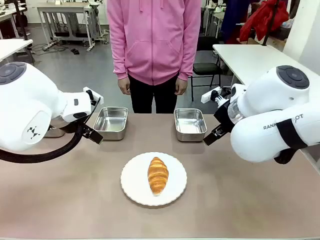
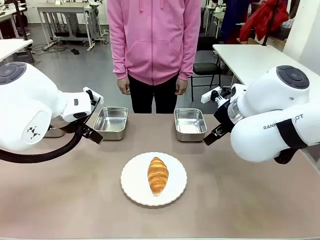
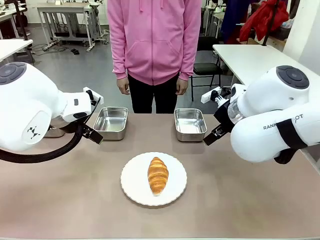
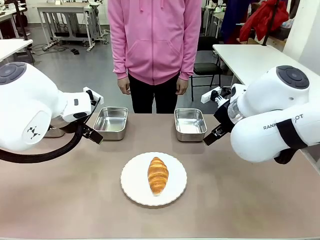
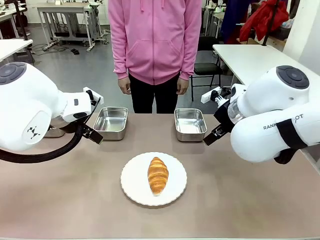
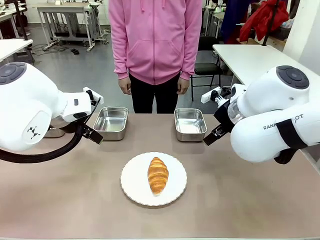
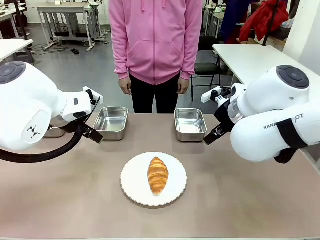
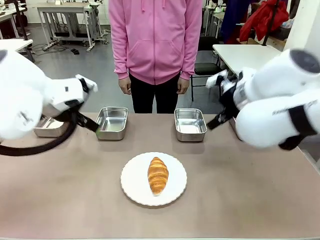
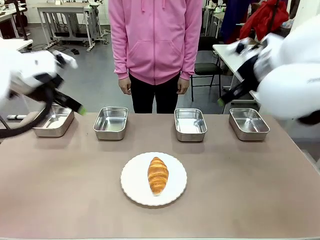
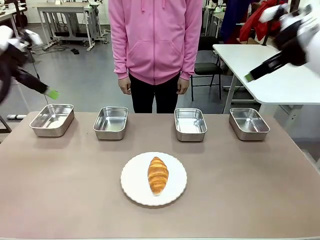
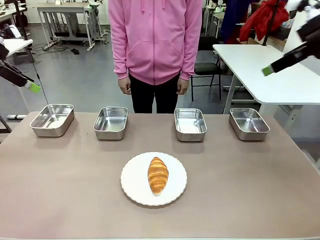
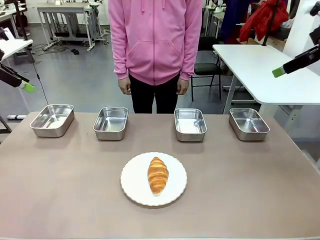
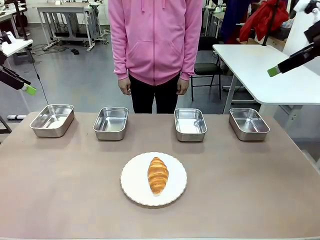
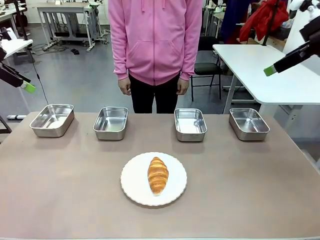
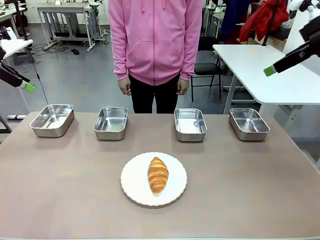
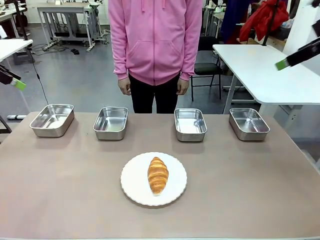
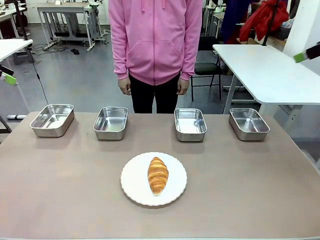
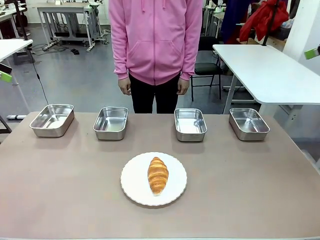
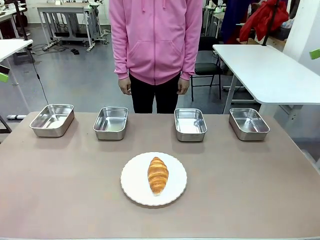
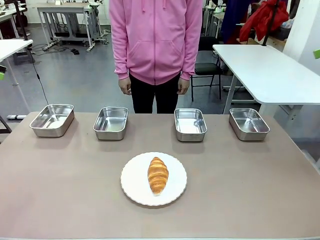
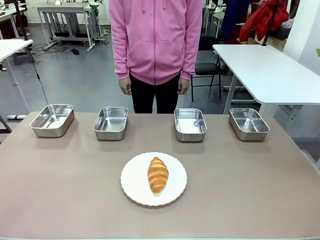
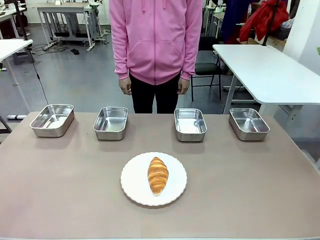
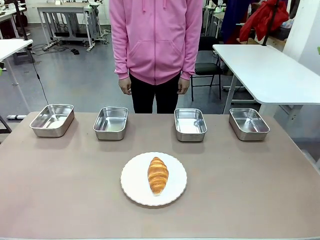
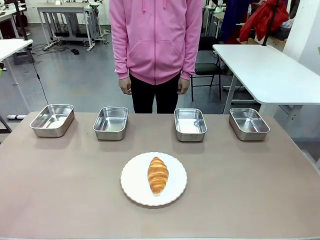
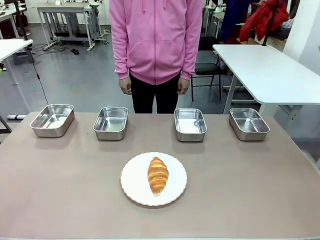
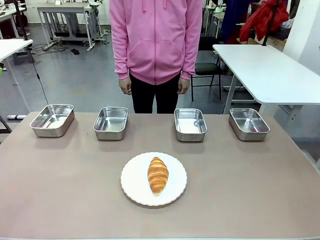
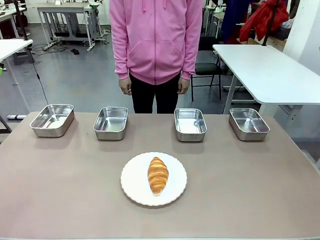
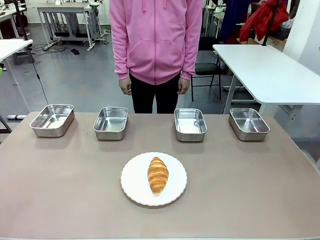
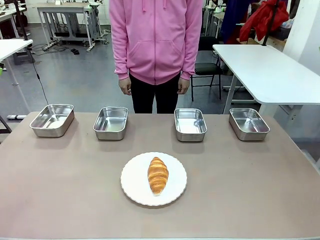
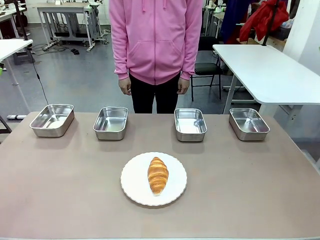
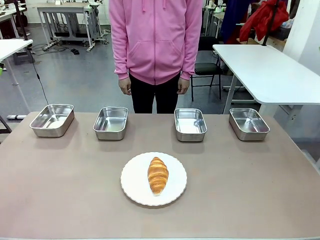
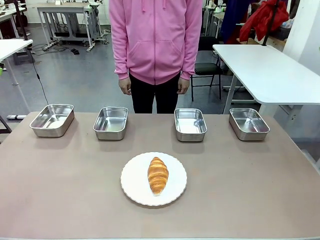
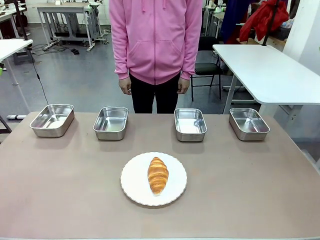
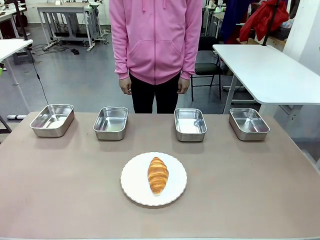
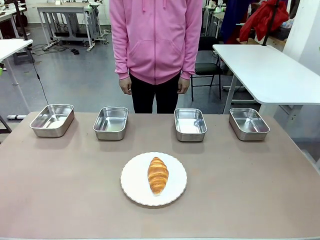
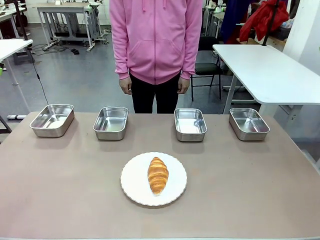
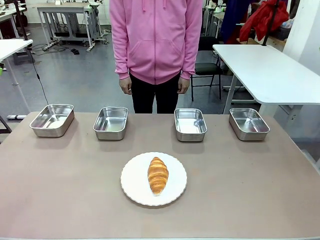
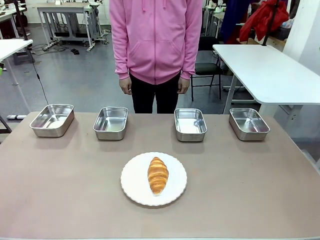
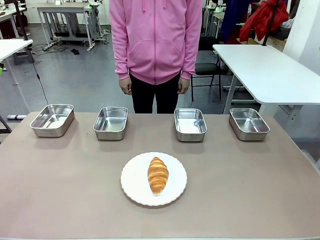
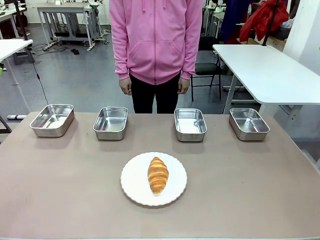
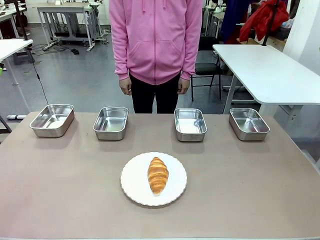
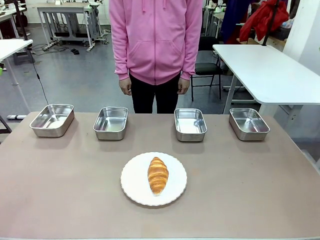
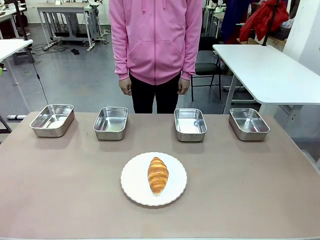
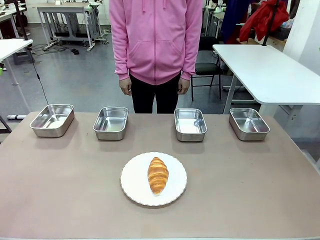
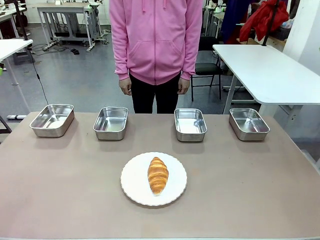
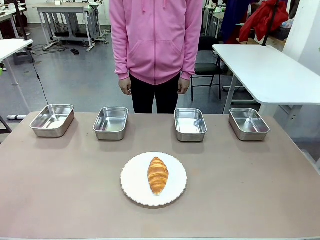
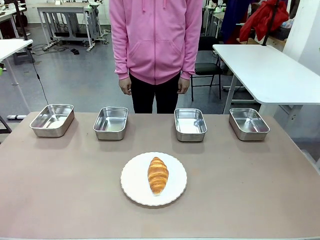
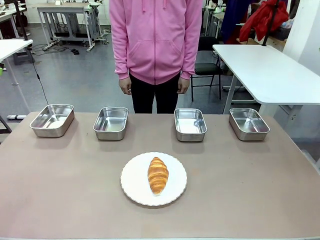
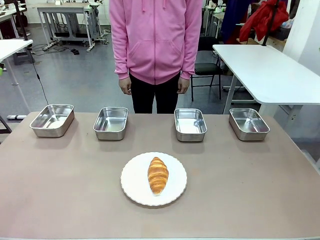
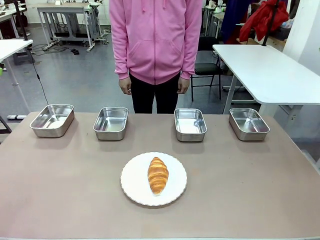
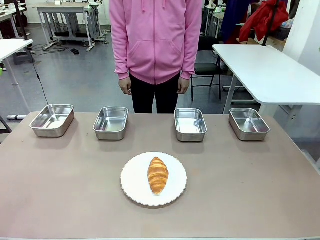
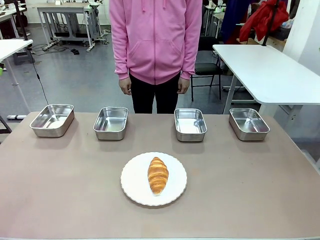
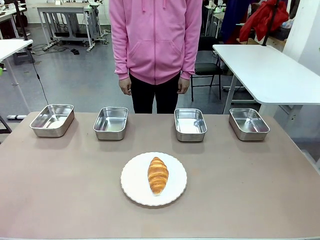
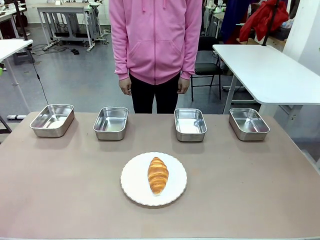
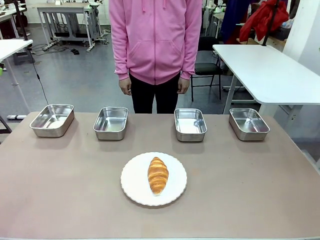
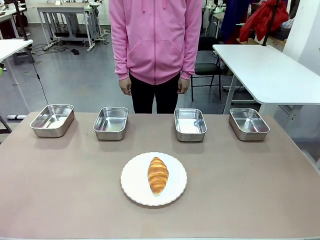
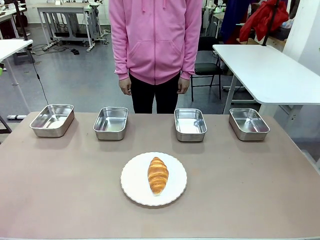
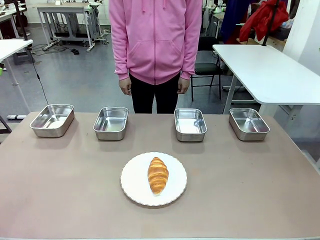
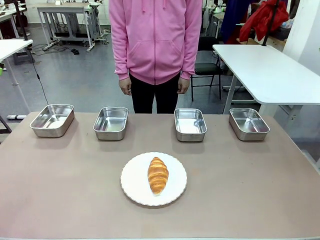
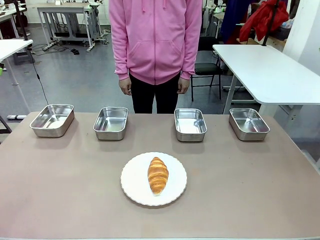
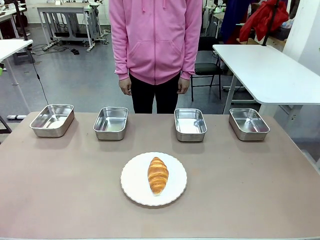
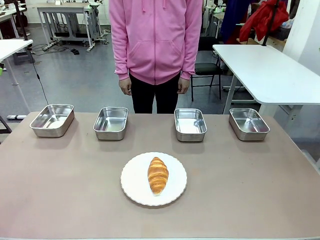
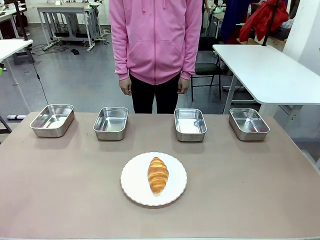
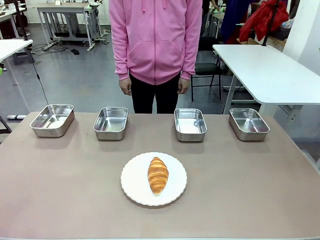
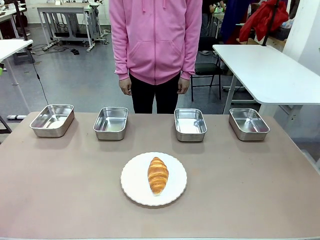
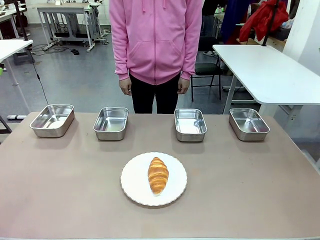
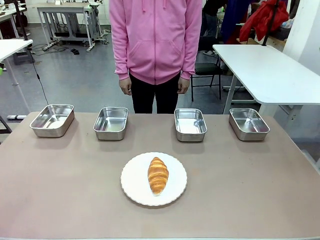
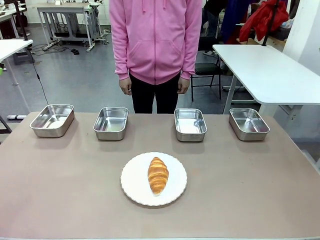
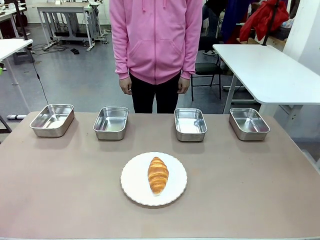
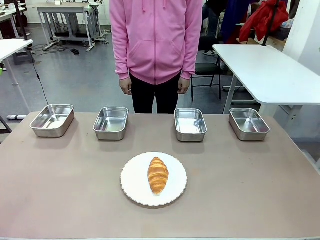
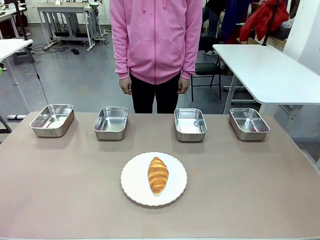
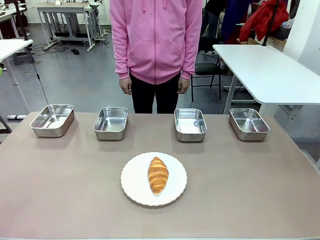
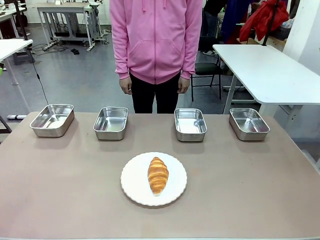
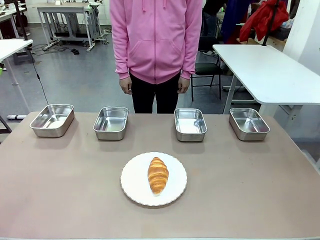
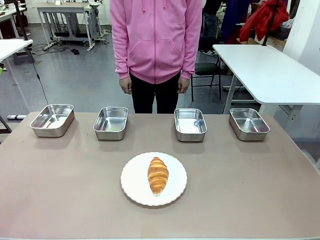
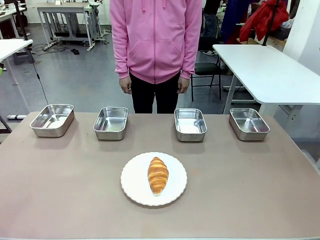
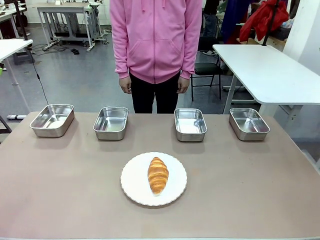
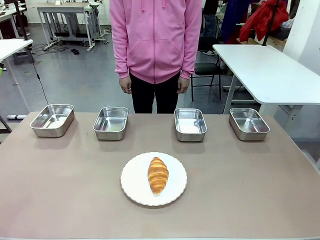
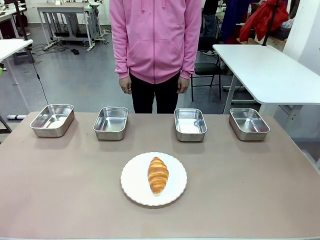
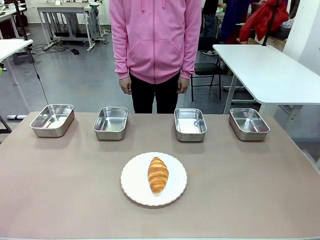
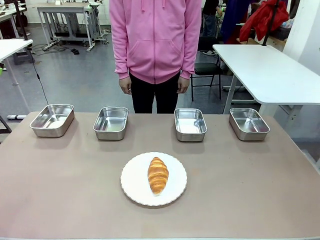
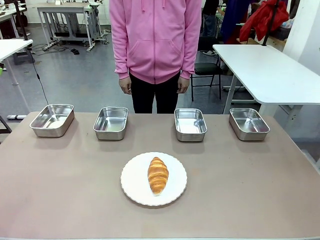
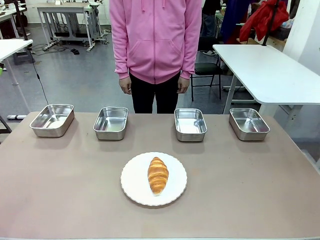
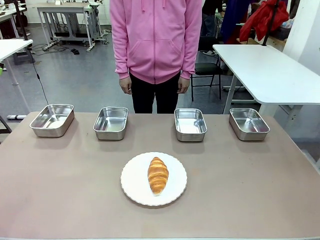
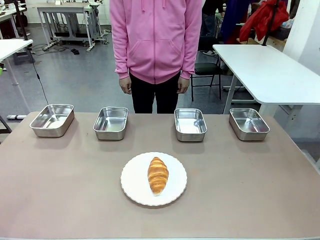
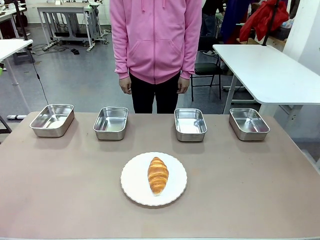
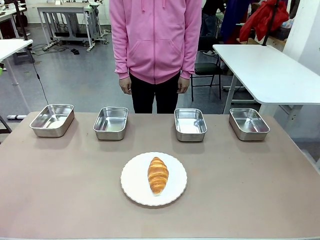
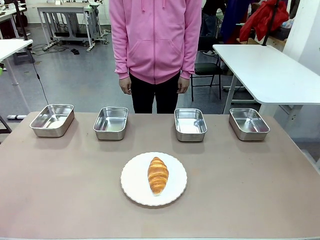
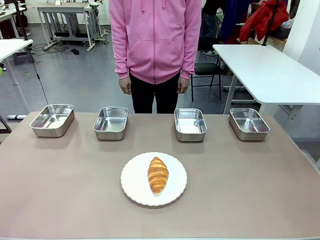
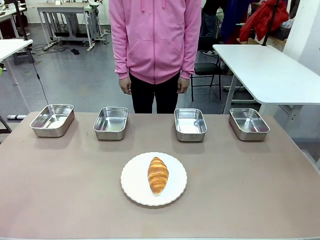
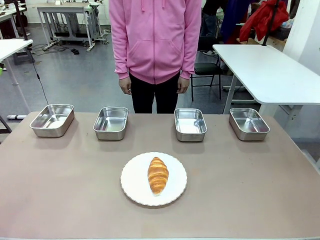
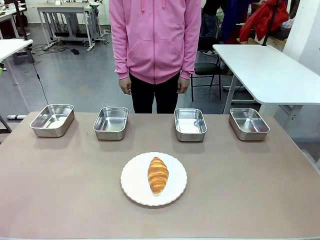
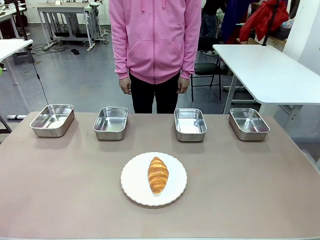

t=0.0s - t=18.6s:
Task: Place the bread in the container.
Robot: Place the Butter Roll into the Airtight Container indicated by the human.
